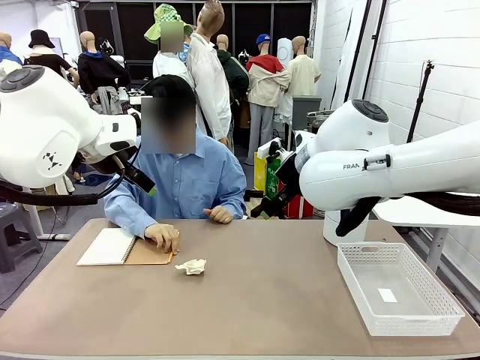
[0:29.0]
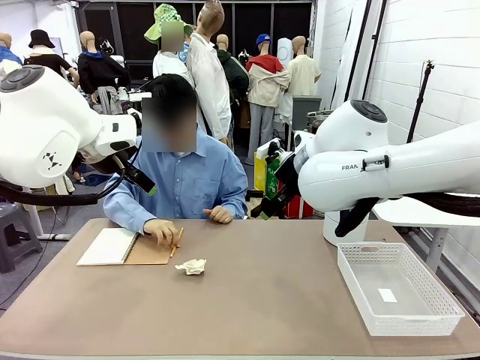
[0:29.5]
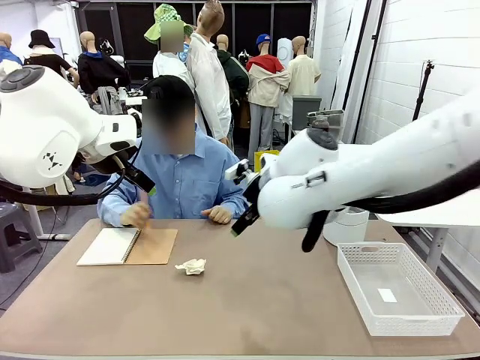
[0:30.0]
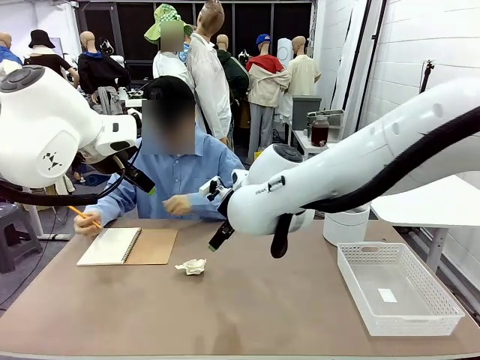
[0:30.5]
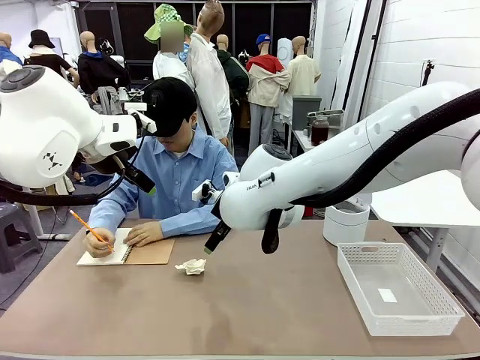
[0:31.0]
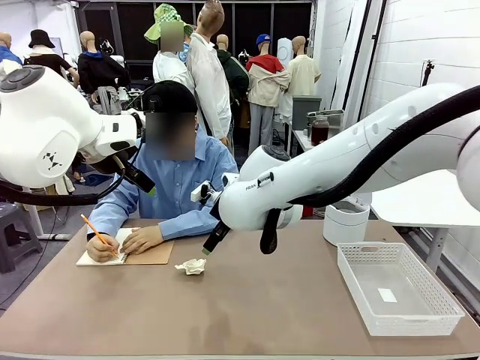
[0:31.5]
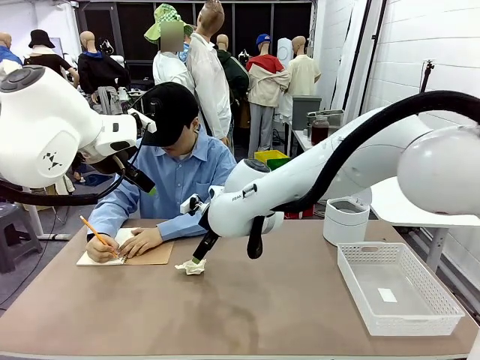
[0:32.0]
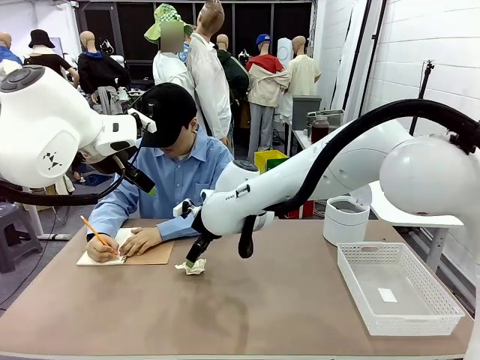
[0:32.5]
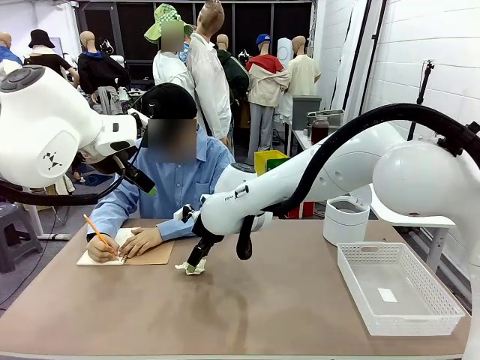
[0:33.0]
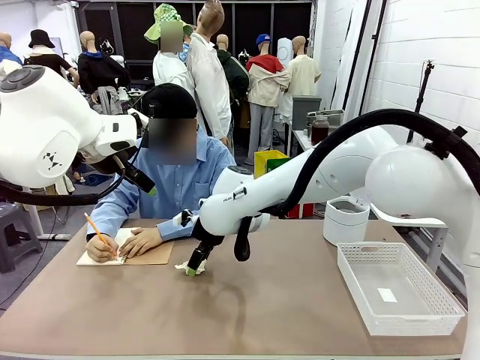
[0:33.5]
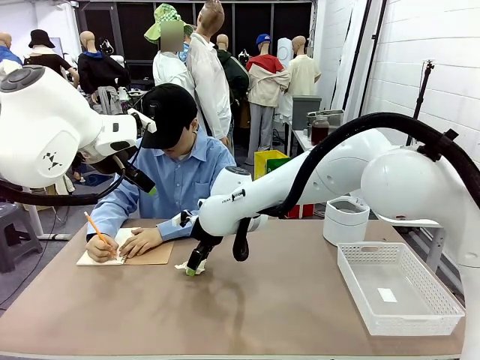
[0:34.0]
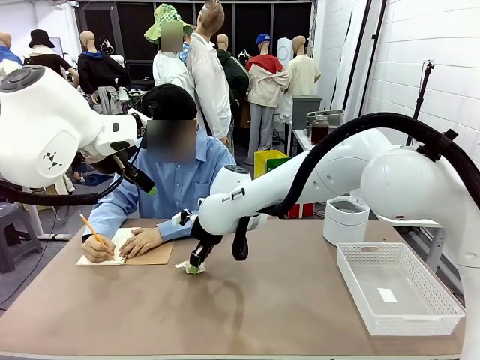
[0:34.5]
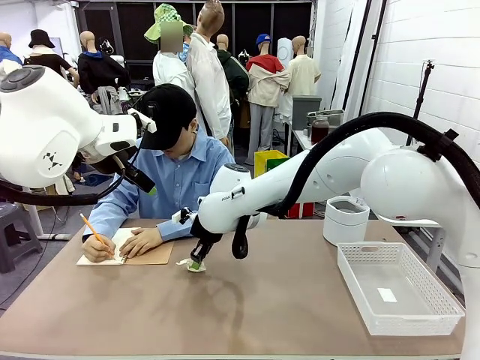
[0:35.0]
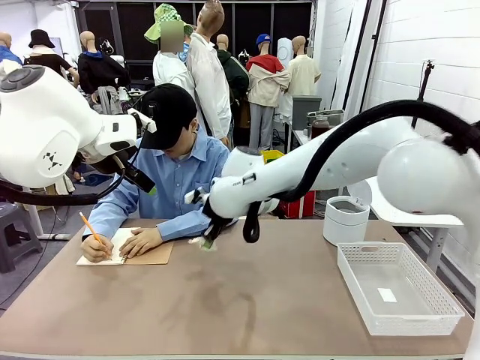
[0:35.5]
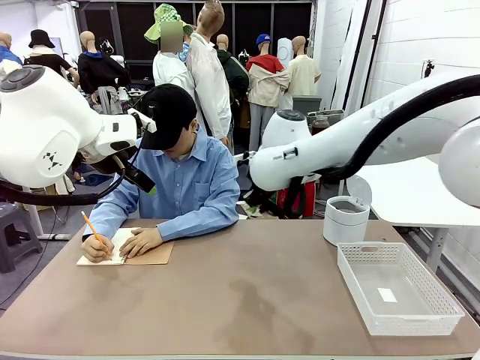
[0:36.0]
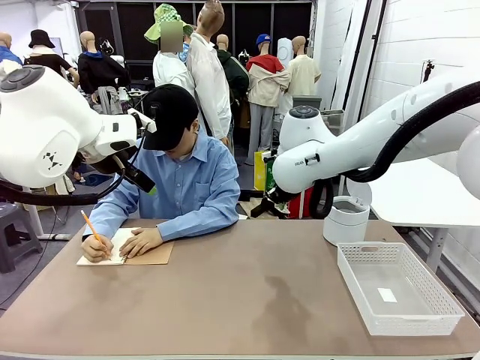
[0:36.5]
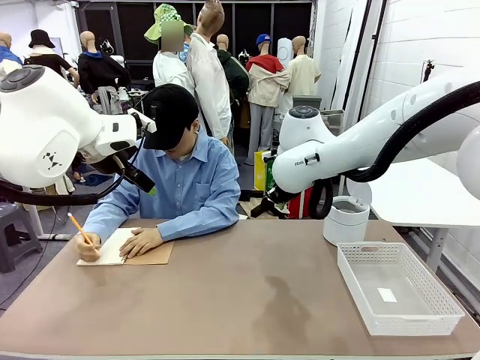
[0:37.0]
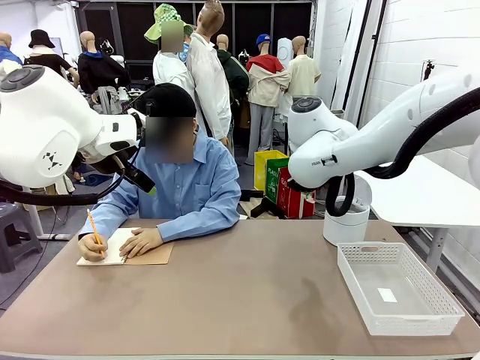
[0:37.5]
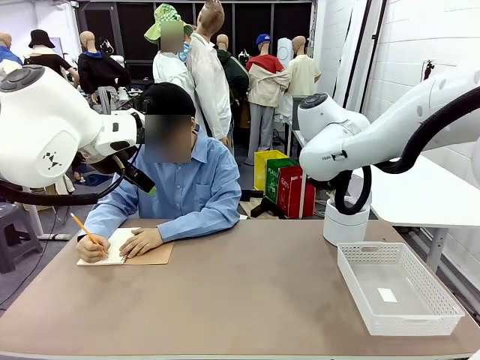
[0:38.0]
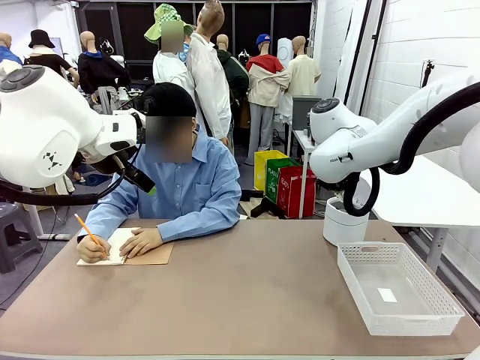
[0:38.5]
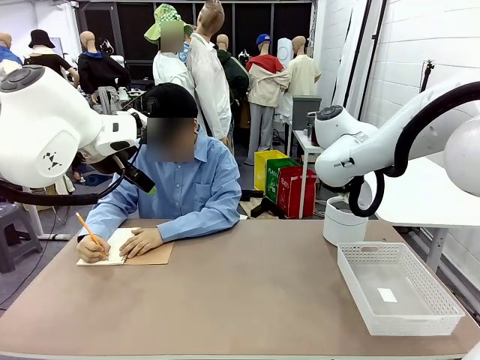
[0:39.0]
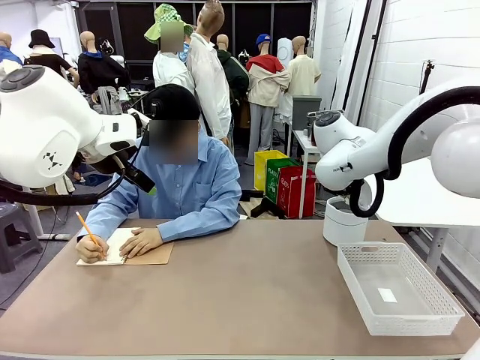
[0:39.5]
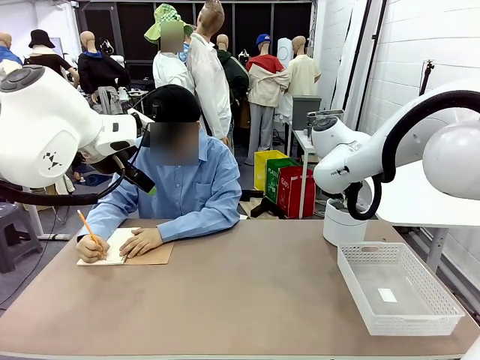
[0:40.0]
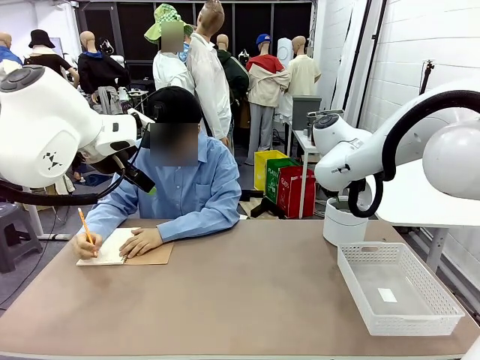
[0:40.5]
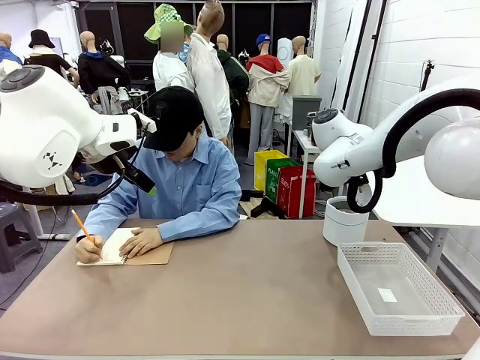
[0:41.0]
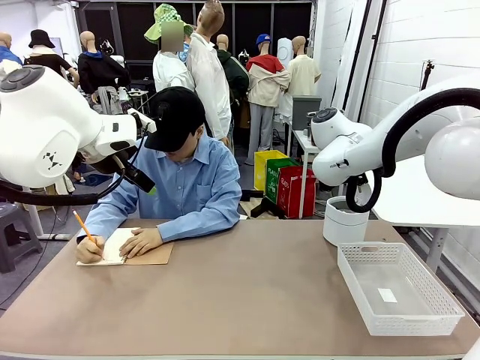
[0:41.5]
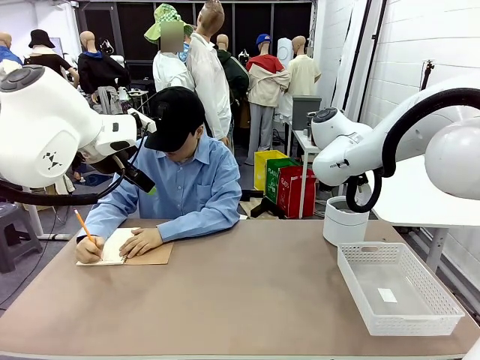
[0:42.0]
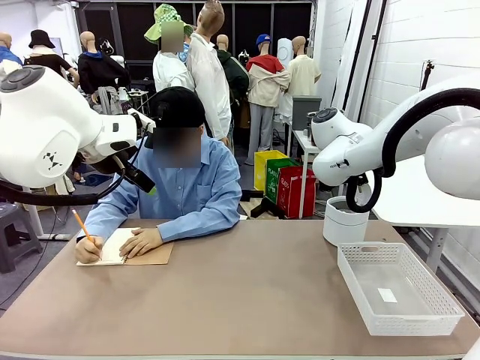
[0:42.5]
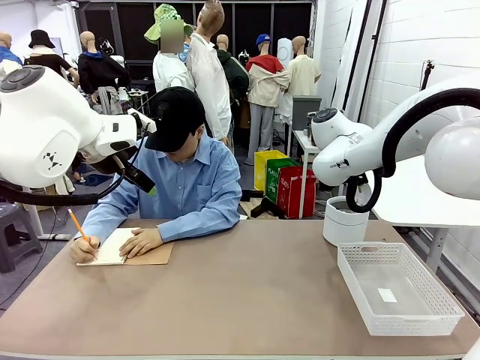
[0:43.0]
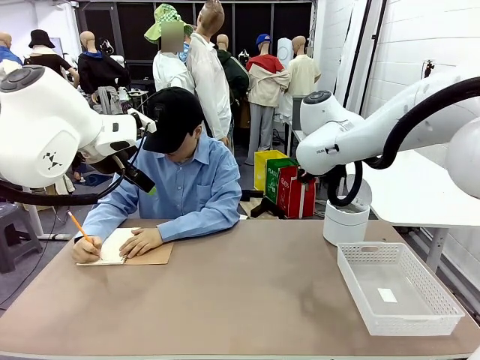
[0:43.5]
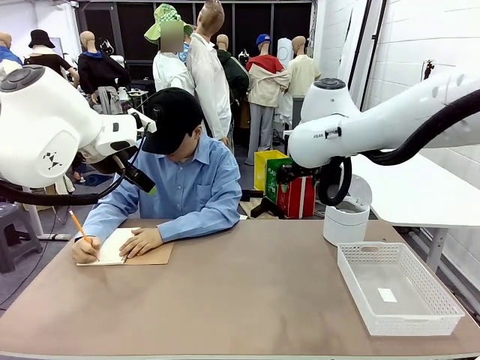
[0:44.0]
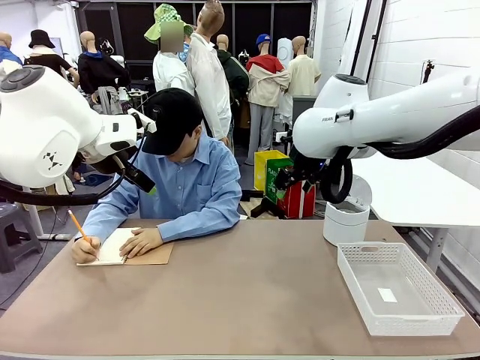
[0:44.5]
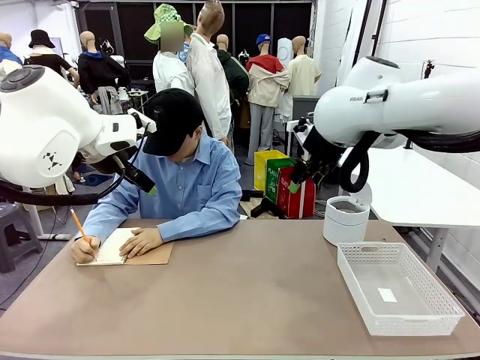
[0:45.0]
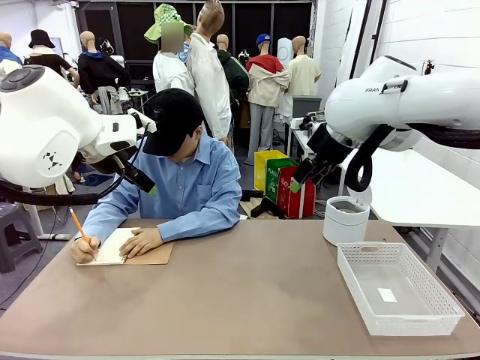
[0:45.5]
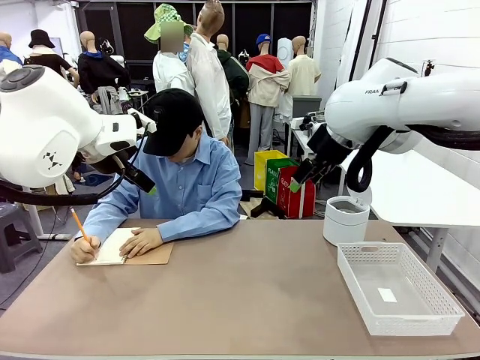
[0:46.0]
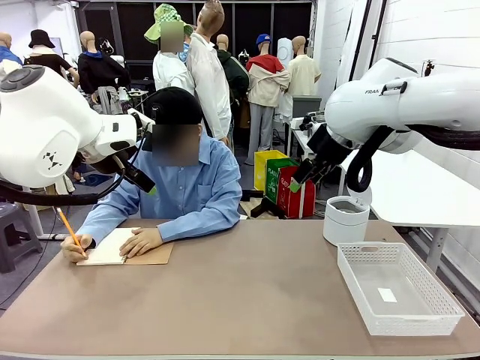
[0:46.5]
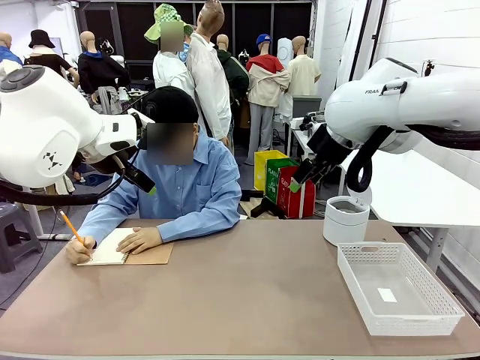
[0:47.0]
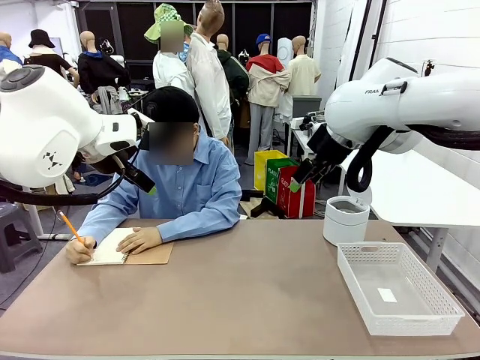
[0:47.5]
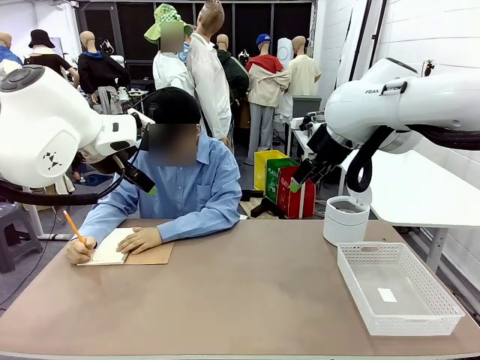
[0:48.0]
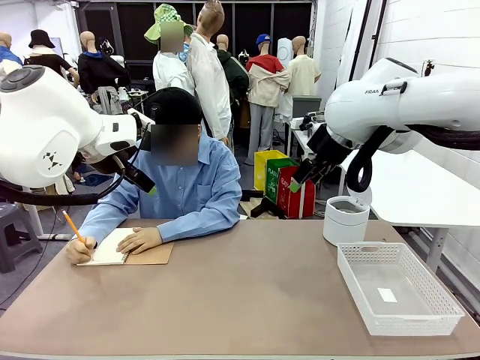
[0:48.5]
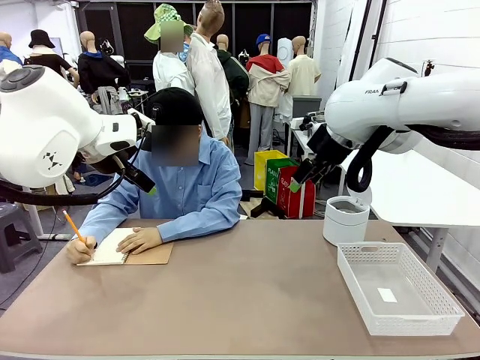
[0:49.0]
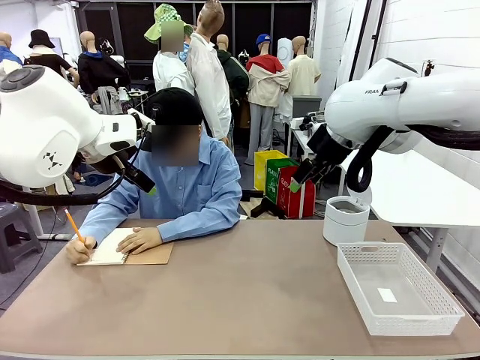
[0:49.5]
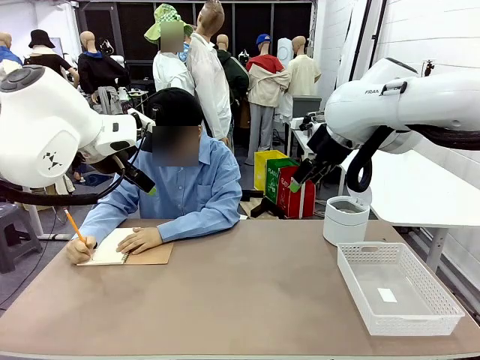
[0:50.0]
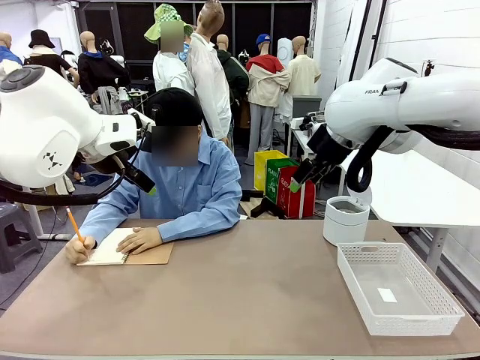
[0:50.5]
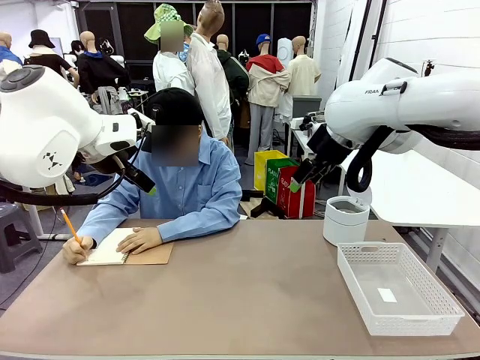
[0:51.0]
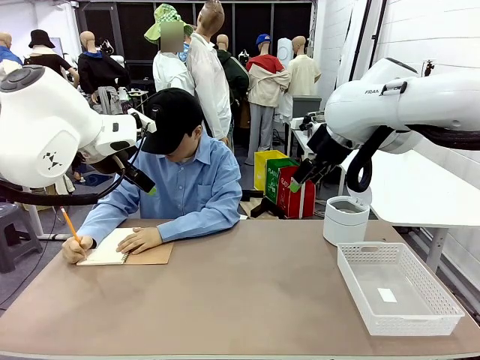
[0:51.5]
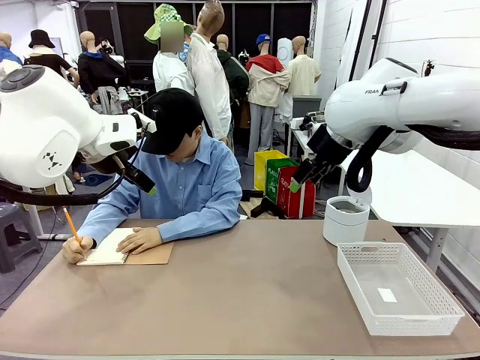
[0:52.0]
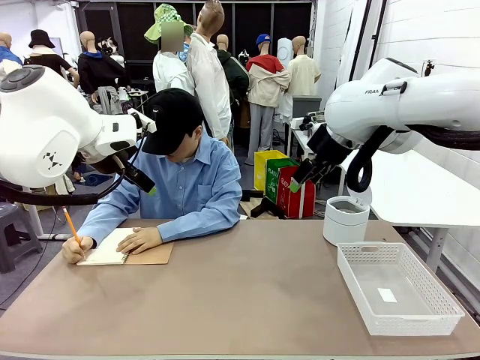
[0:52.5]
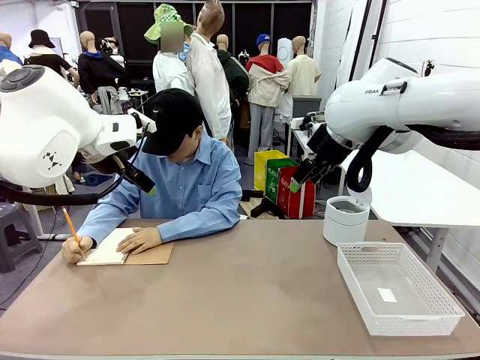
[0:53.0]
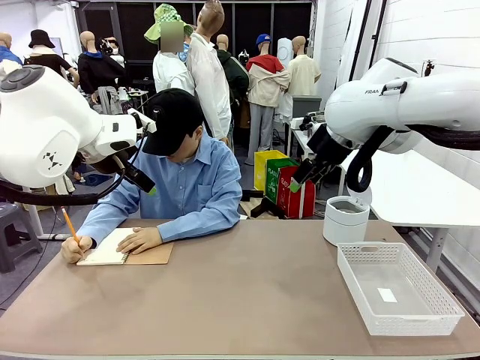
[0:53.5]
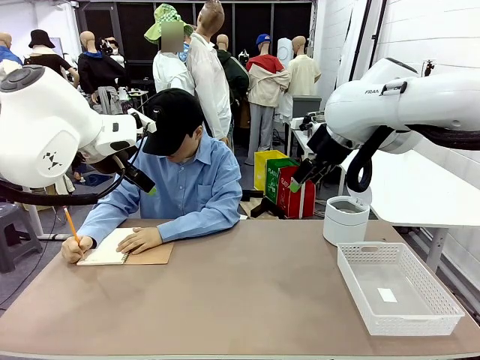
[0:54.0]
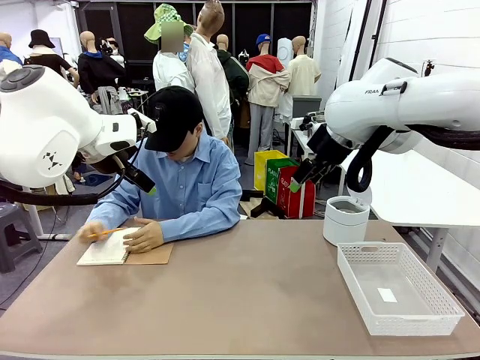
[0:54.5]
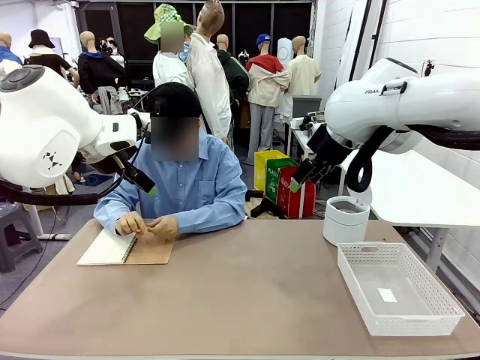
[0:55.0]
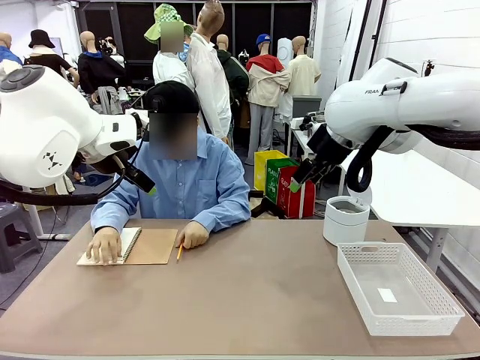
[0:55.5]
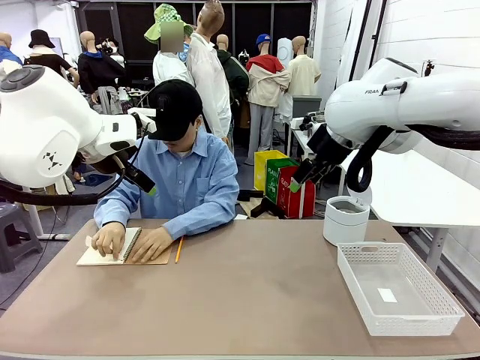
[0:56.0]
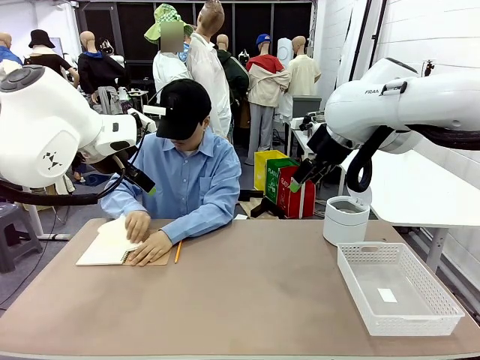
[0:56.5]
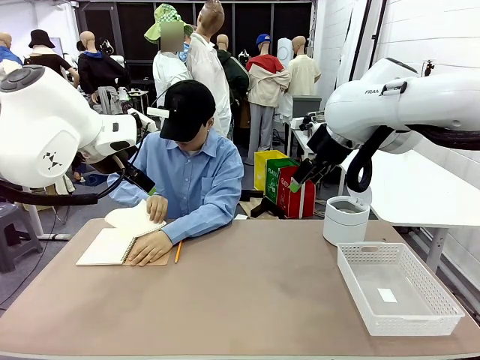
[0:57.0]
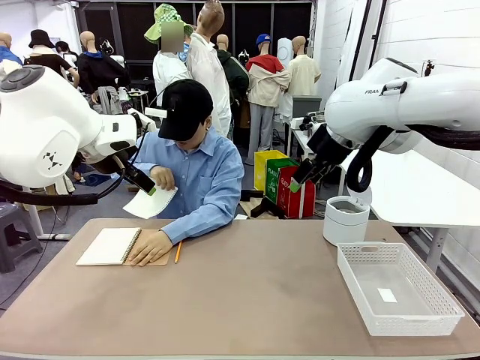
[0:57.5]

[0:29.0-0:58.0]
Task: Sort the paper based on its condition.
Robot: If a person hands you a paper, place it in the Organizing basket , and if it's crumpled, put it in the Trash can.
Person: Tear out a page from the spiral notebook.
